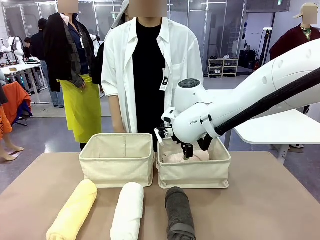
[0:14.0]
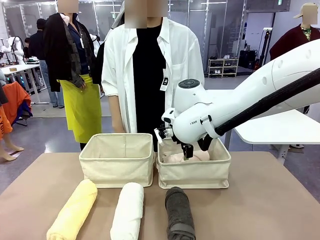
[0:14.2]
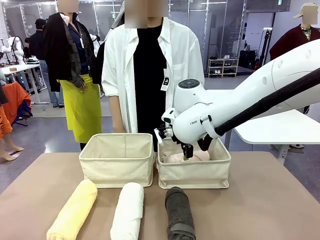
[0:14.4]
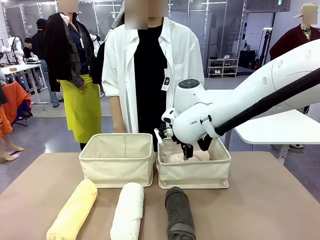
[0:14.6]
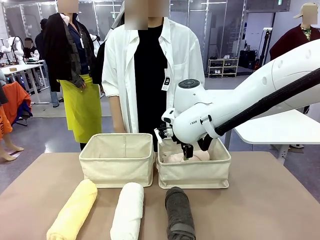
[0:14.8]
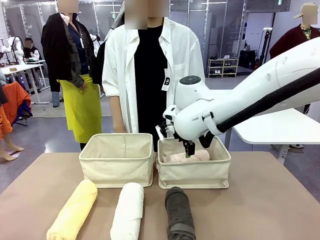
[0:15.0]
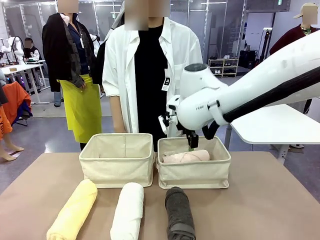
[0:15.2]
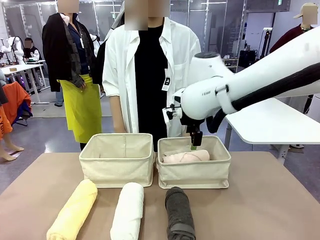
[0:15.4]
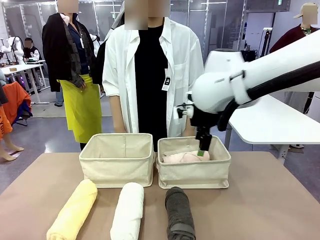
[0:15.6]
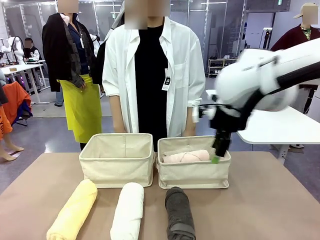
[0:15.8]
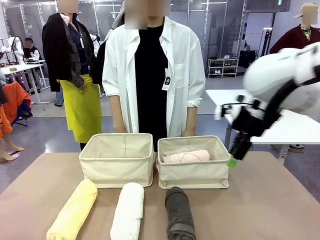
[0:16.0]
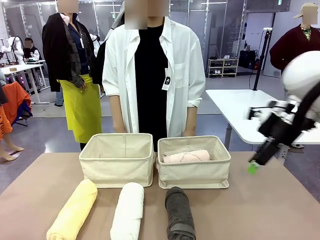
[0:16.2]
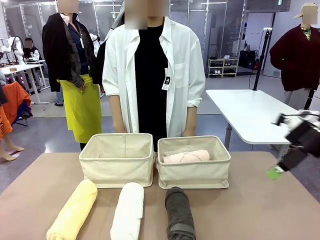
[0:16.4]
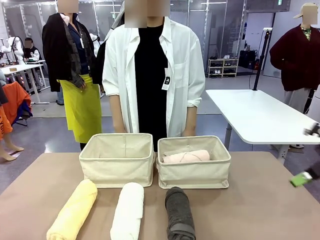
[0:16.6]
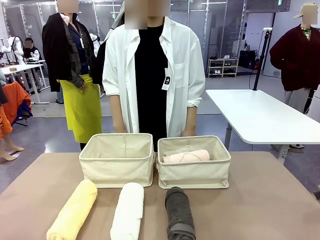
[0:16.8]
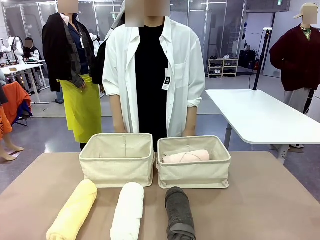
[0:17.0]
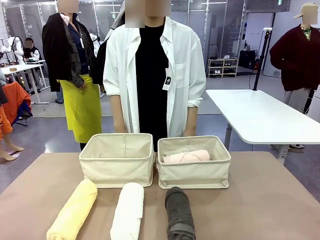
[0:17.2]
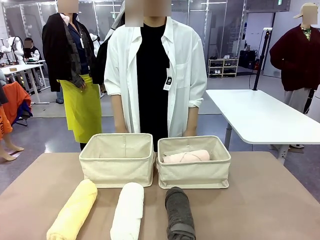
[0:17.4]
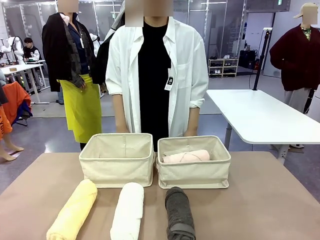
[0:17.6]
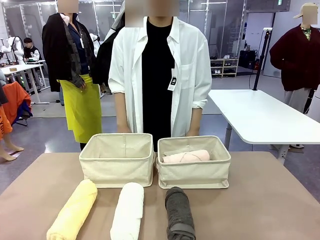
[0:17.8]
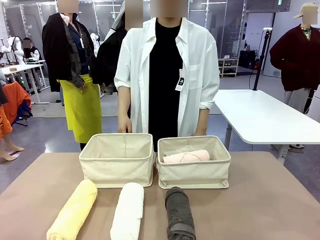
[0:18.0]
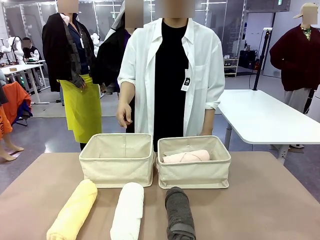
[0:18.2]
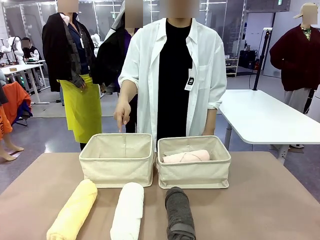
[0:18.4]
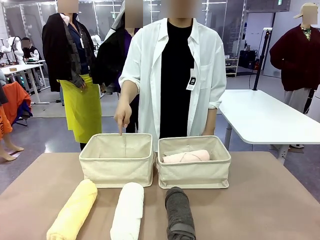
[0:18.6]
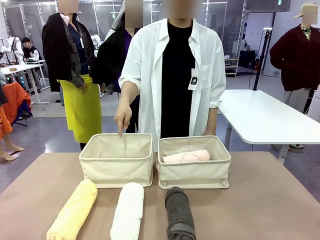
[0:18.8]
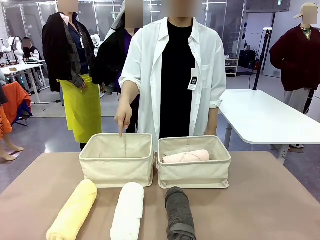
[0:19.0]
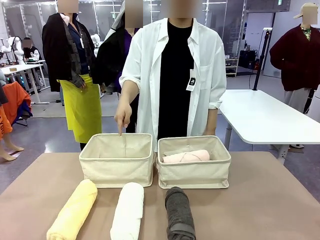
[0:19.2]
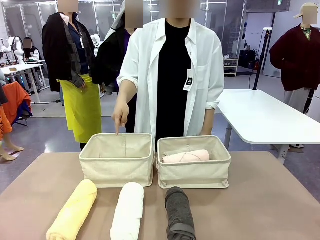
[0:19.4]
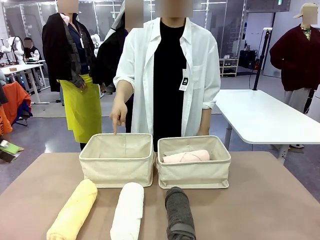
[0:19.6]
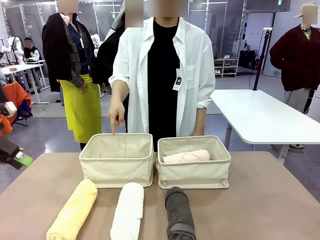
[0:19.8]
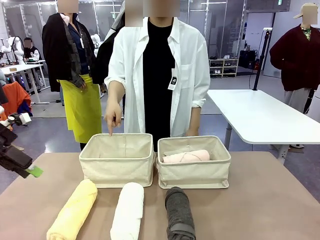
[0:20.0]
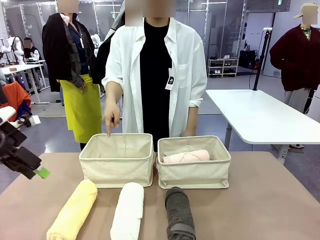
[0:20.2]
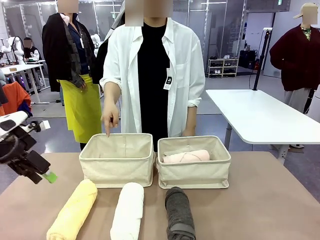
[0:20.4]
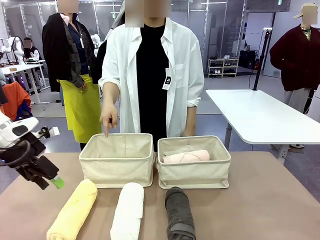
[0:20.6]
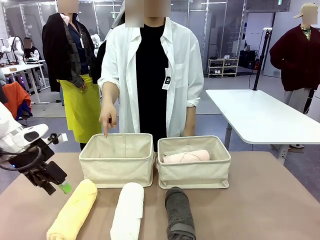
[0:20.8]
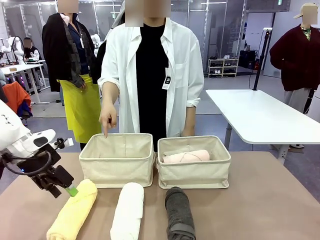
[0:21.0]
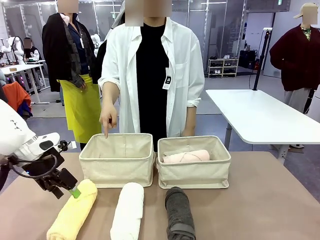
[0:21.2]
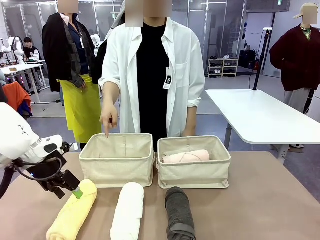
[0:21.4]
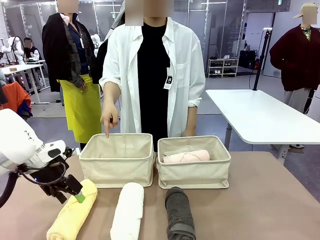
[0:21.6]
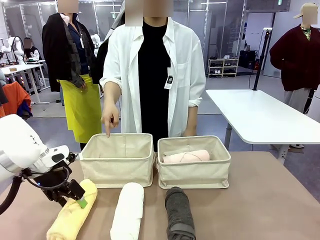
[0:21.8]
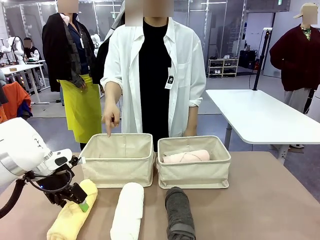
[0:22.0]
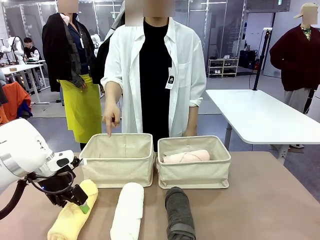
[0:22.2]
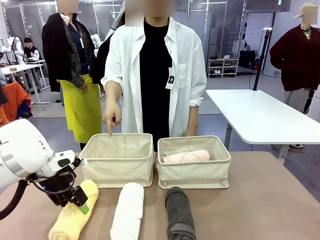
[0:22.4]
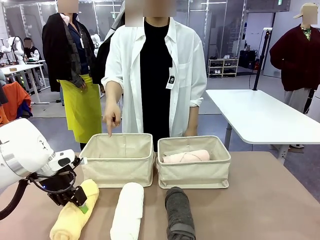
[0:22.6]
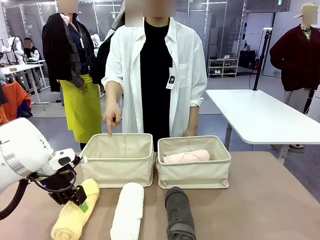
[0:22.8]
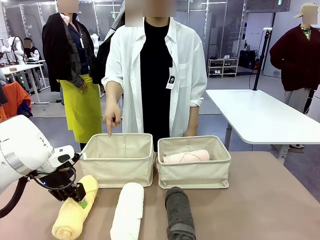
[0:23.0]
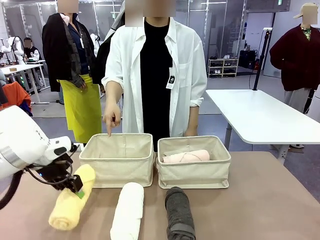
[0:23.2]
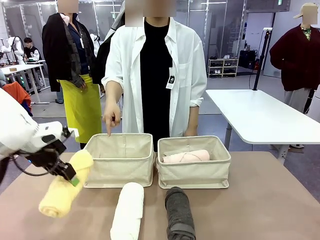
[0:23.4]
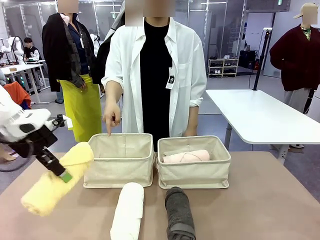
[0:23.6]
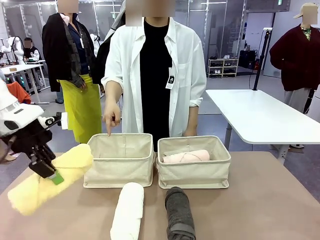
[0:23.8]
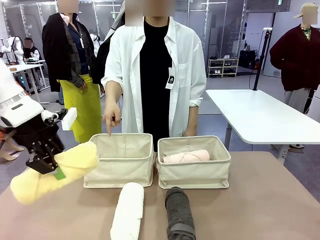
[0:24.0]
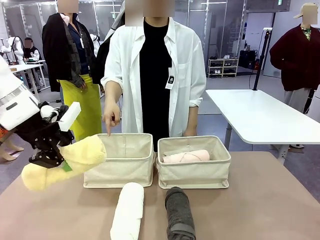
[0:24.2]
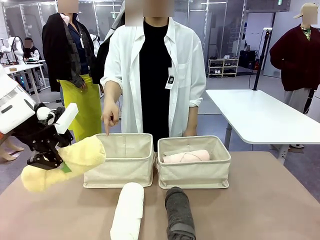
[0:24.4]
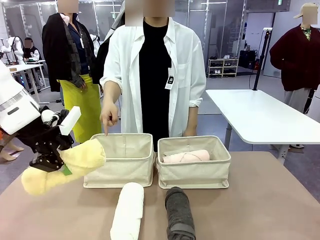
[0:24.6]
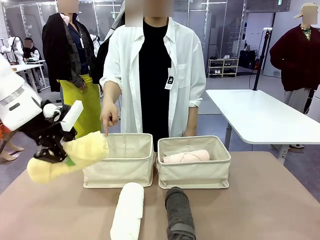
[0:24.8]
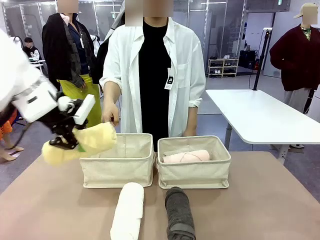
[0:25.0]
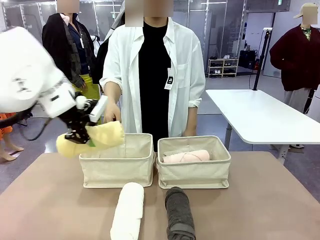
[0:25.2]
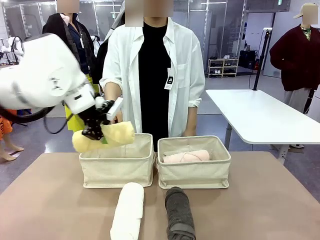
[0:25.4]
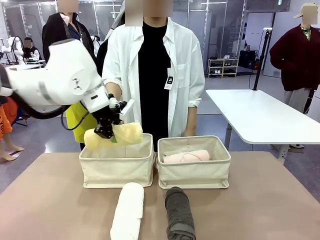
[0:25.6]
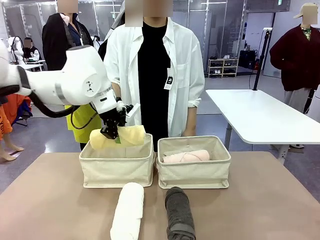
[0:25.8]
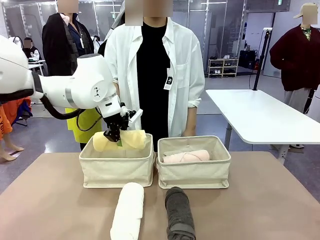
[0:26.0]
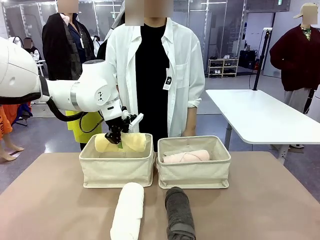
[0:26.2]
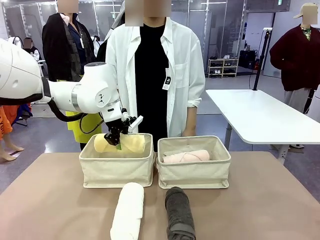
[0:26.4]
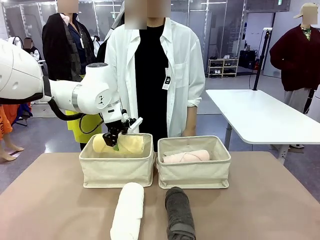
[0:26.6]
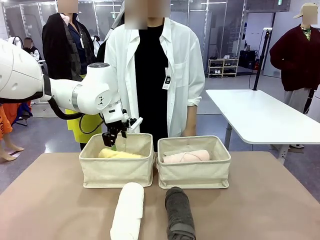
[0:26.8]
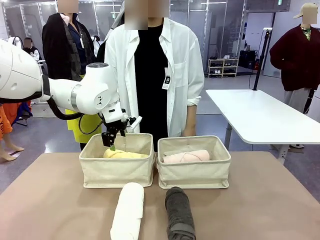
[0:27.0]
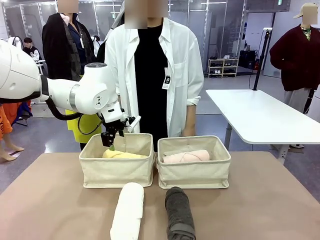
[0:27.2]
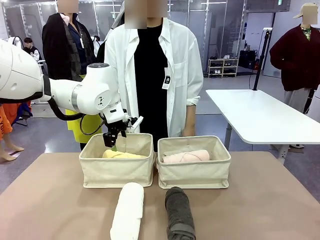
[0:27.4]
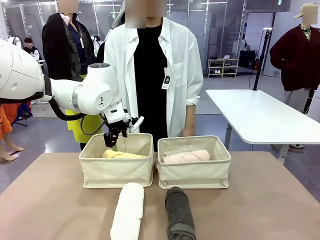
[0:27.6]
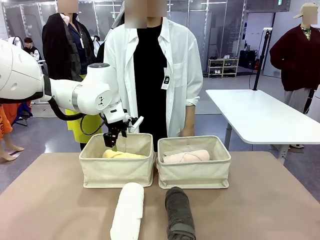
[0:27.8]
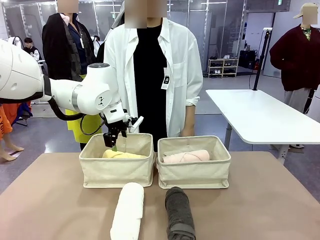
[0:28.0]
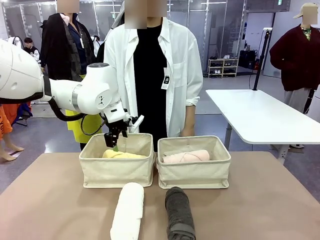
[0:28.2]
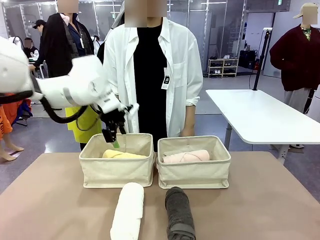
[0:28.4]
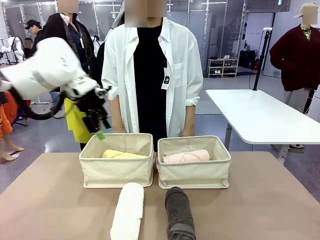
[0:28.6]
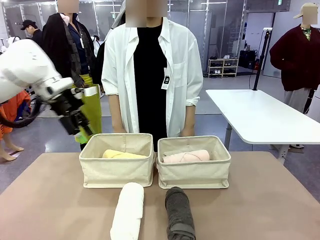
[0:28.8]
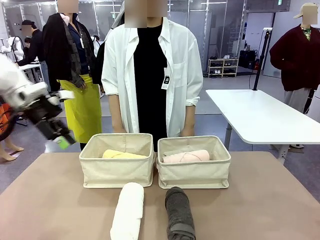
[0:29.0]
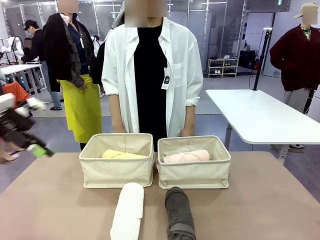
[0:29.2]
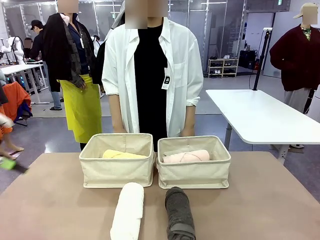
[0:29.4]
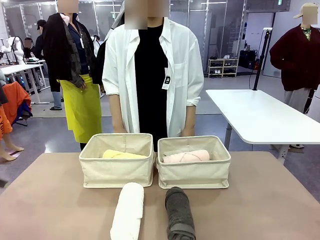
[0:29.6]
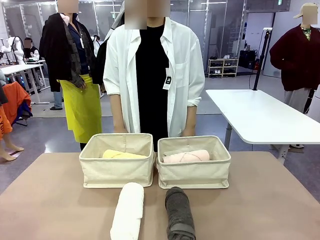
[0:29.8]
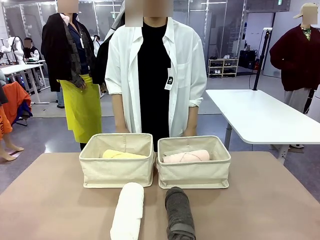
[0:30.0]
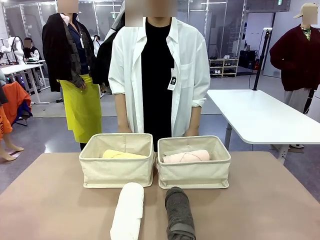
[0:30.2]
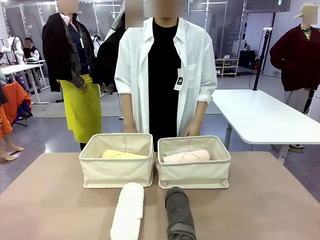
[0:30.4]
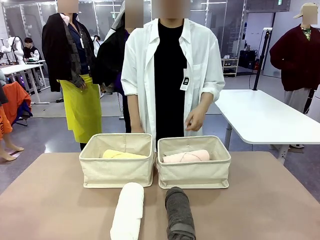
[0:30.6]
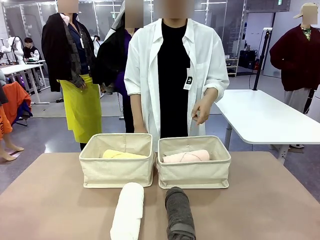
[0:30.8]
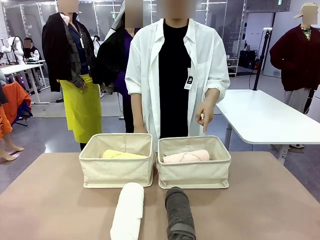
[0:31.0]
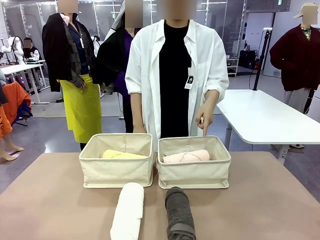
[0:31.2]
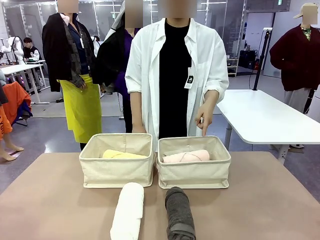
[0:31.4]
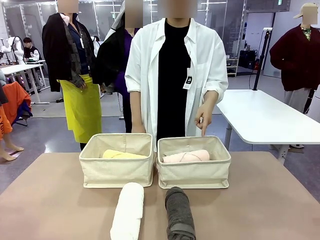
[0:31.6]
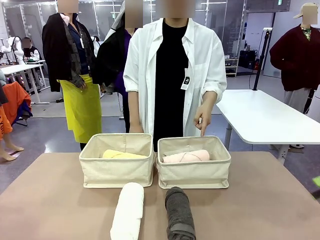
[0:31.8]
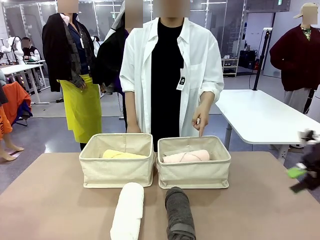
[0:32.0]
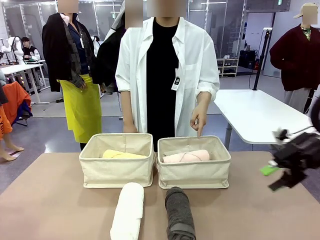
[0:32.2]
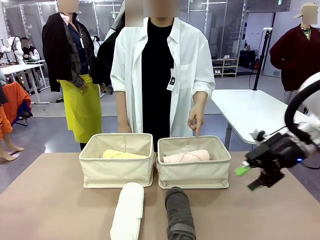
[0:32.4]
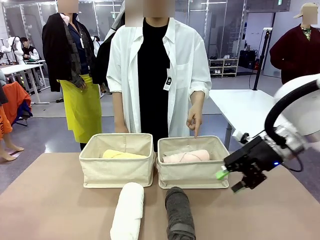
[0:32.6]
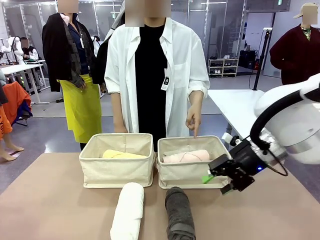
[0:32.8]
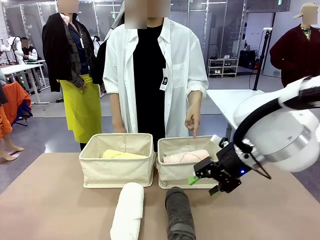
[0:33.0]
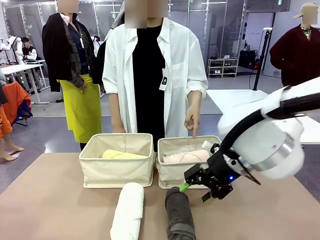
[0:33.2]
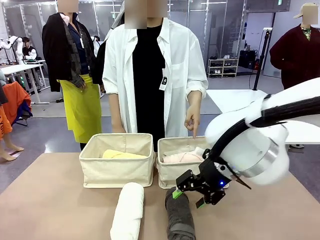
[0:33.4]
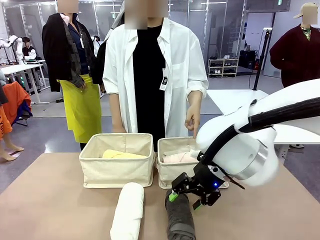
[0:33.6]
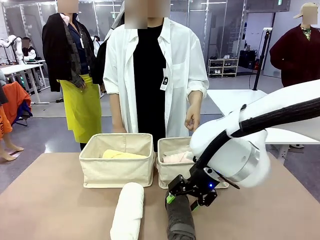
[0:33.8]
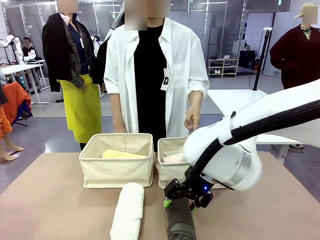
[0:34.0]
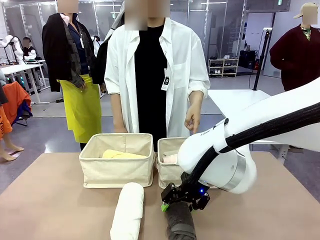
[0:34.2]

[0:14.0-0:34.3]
Task: Divide the towels into two baskets.
Robot: Pick up one hotel-folded towel from the bottom of the table and place it in the Fabric basket indicated by the person.
